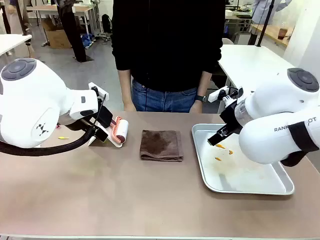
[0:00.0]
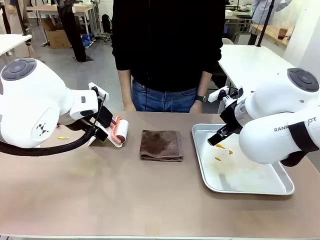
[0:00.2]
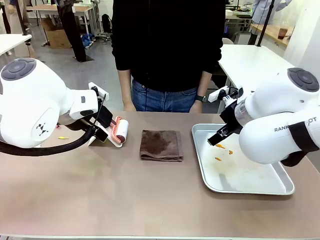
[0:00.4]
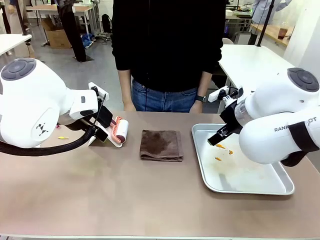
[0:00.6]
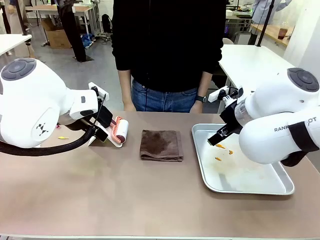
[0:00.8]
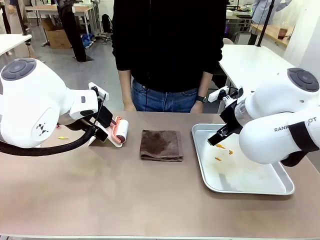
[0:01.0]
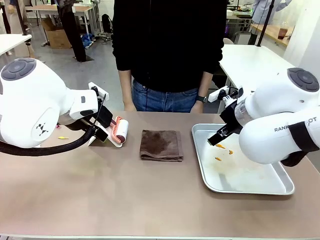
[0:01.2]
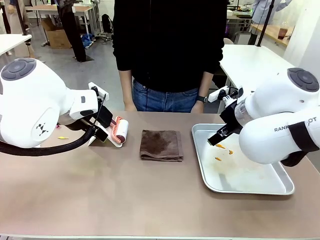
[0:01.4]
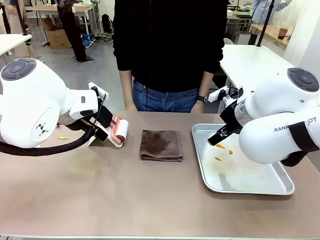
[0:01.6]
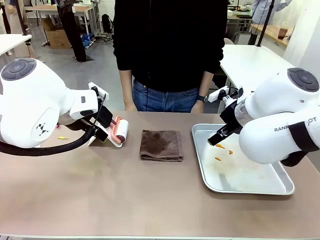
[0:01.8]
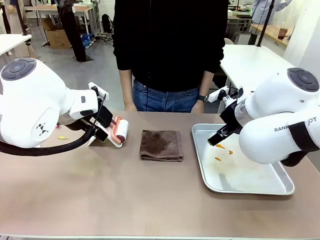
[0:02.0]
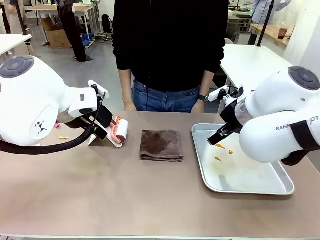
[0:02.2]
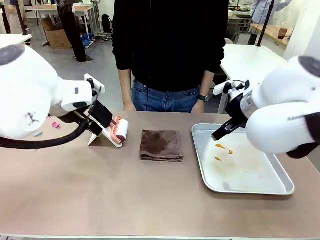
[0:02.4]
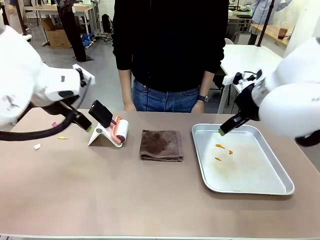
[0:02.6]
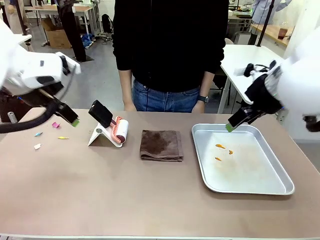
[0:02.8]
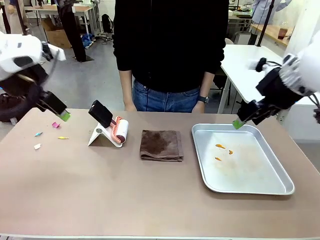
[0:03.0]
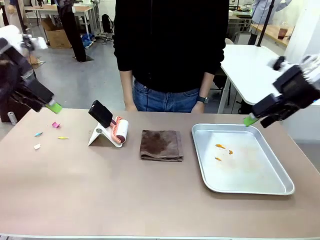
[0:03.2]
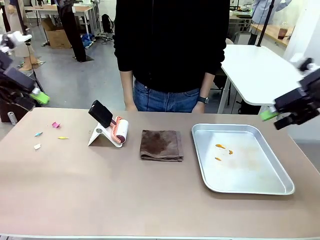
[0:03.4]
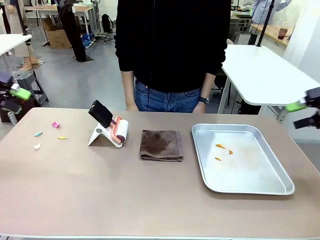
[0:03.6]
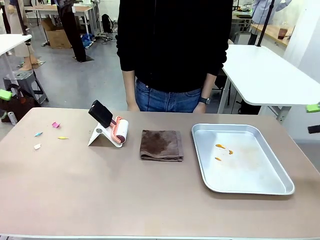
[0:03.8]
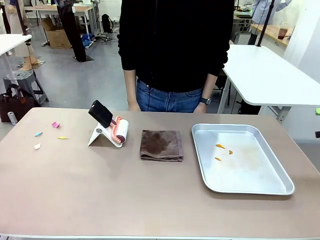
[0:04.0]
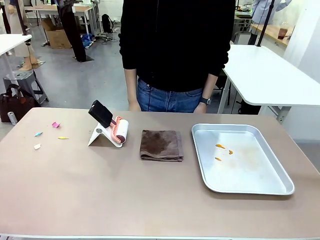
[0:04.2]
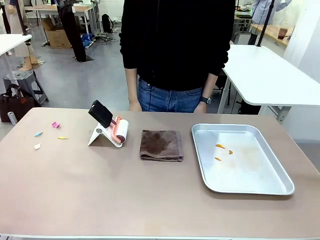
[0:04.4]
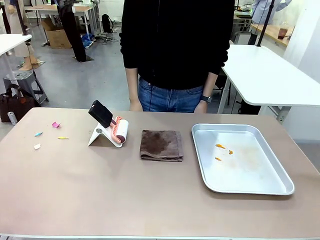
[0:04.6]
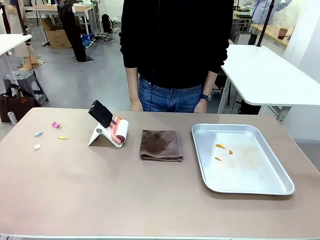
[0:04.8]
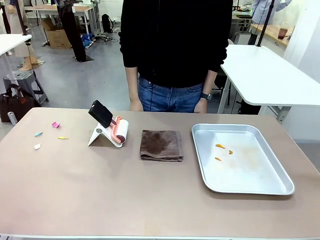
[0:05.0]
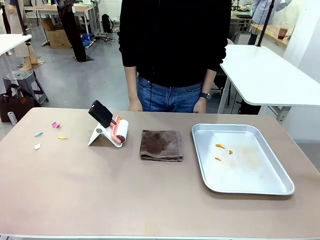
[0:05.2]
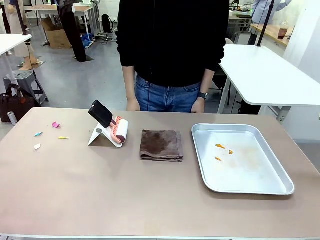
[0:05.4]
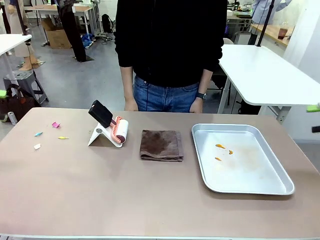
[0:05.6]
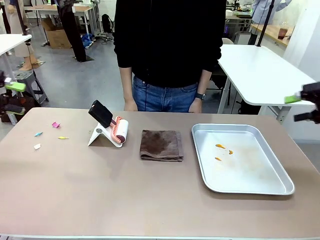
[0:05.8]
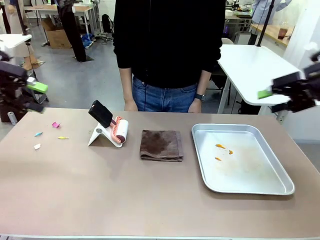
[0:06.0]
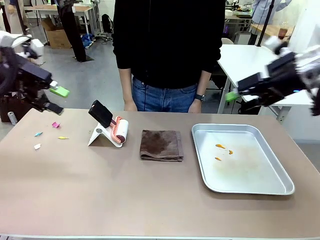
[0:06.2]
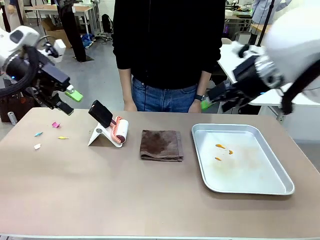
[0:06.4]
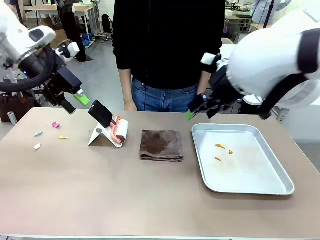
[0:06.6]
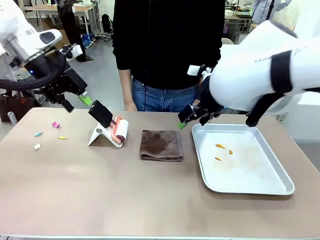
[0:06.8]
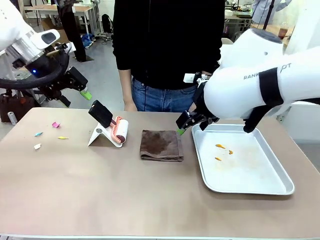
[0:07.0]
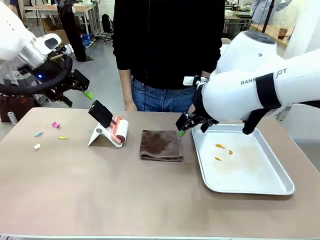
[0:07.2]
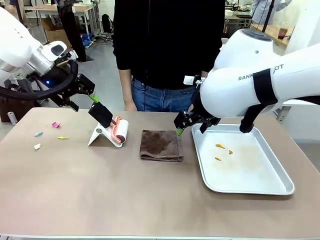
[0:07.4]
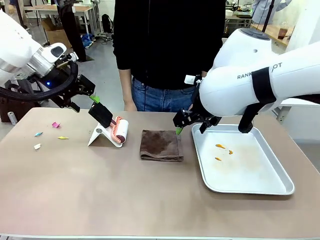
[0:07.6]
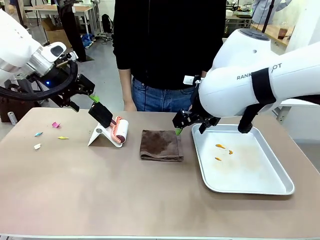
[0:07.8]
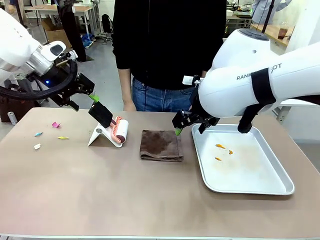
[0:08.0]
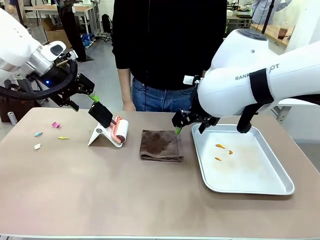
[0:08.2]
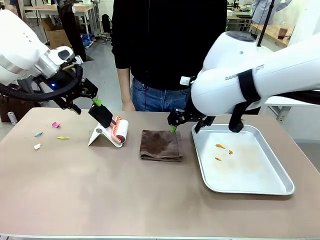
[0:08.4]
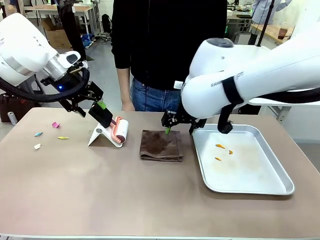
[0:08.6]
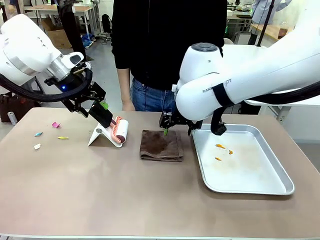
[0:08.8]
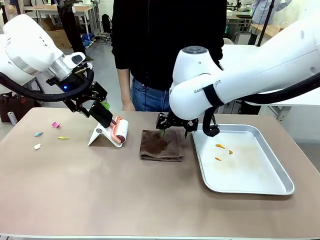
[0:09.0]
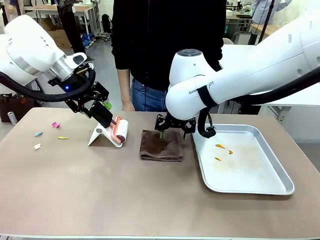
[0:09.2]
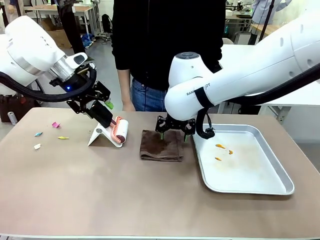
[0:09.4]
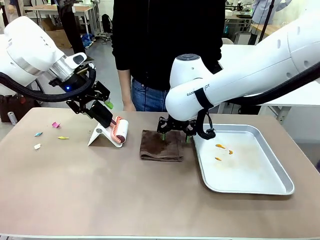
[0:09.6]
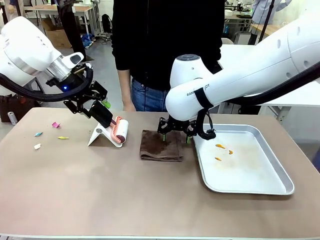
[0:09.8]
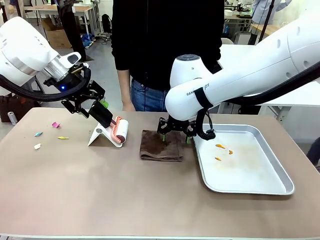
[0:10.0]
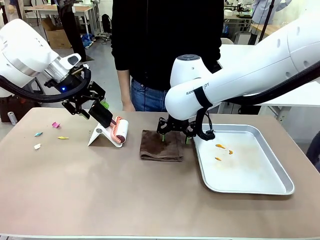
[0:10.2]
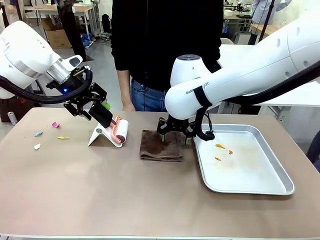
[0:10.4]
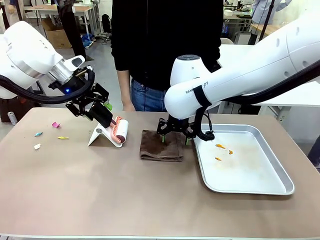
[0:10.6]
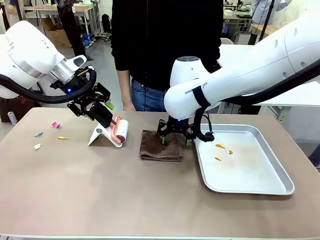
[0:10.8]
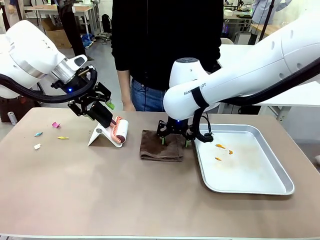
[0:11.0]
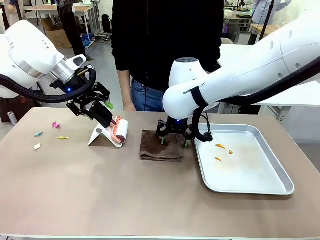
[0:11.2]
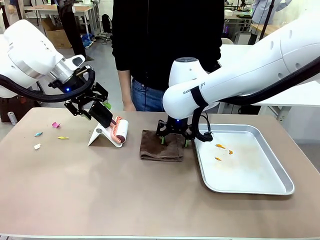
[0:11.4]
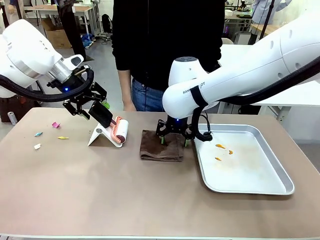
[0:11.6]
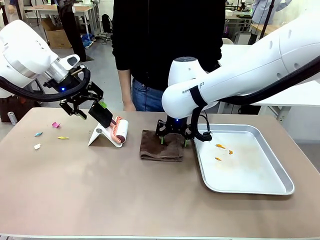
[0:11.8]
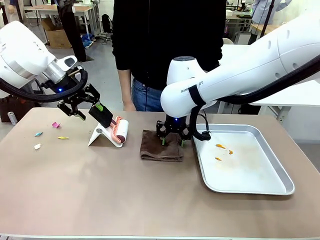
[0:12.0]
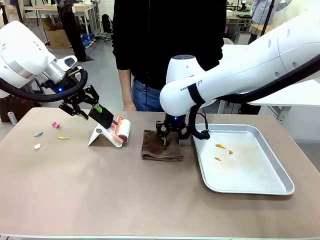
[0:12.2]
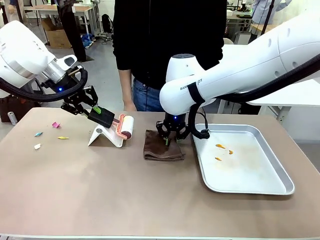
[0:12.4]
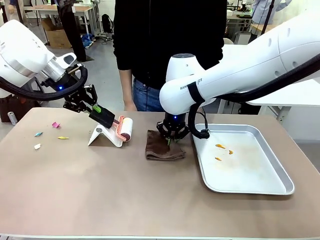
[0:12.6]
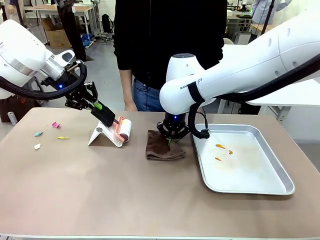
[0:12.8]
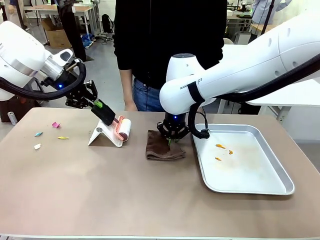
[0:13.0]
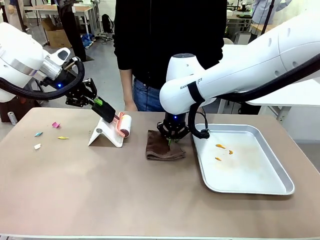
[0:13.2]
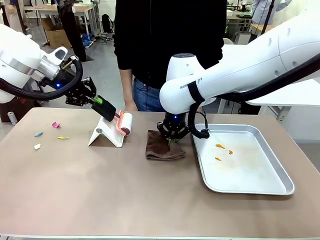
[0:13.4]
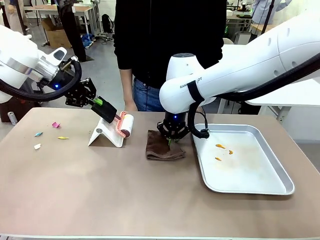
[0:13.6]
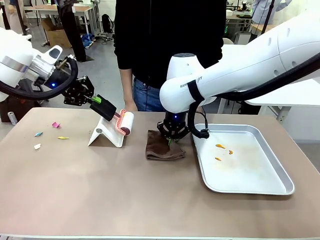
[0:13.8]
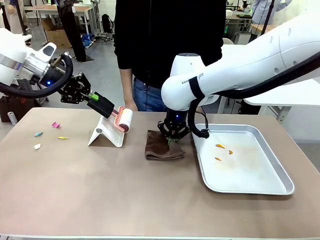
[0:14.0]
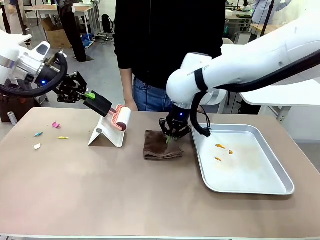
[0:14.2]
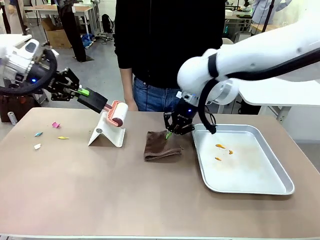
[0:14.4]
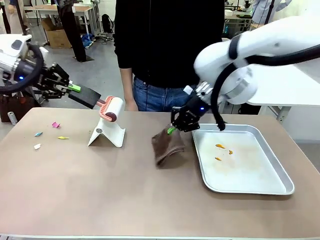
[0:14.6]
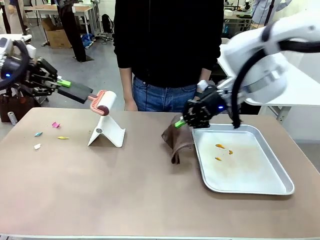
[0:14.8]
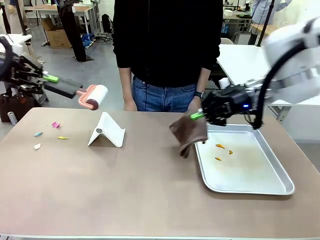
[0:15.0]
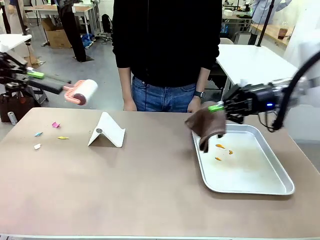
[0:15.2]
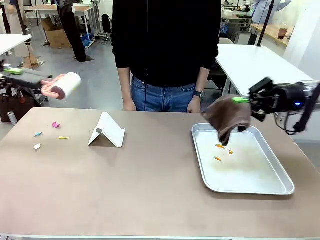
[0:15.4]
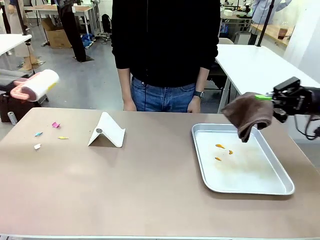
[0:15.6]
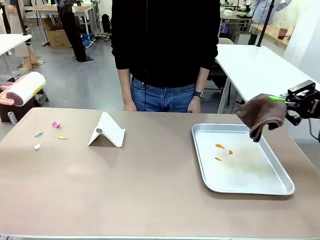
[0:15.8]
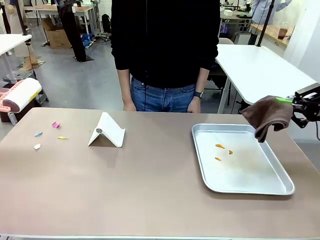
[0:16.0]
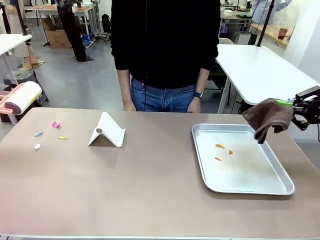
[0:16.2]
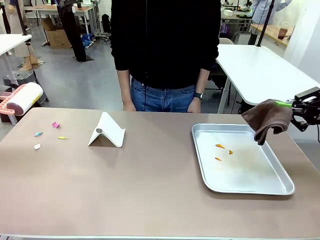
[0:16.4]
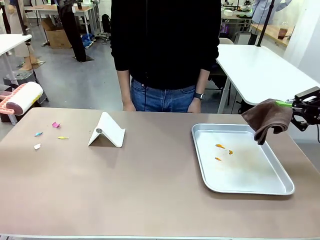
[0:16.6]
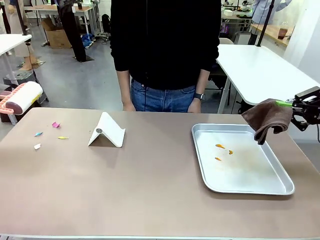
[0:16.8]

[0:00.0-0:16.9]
Task: Clean the surface of the table.
Robot: Hold the Lint Roller with your left hand and the towel with your right hand.

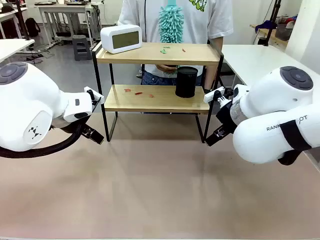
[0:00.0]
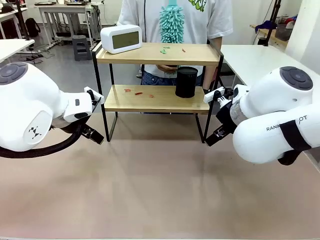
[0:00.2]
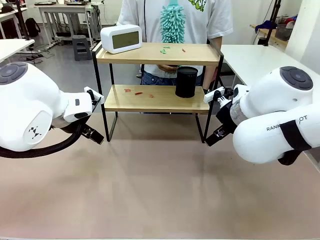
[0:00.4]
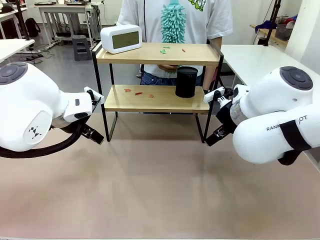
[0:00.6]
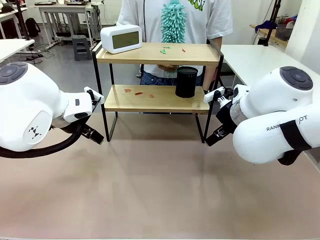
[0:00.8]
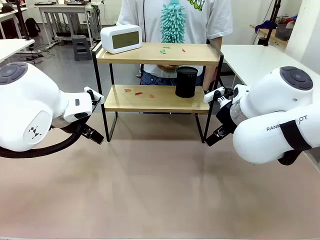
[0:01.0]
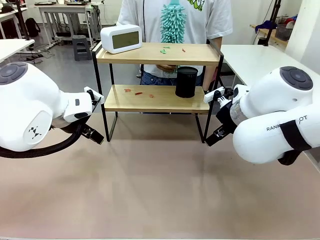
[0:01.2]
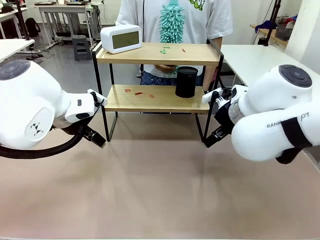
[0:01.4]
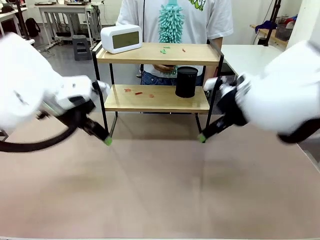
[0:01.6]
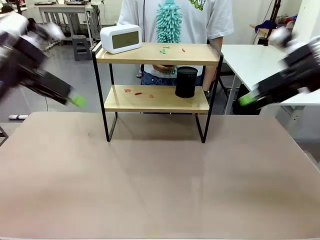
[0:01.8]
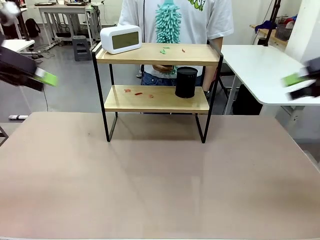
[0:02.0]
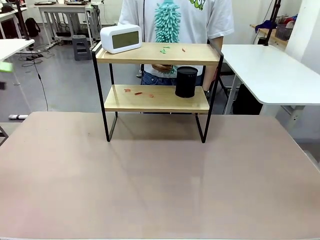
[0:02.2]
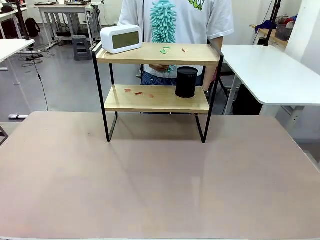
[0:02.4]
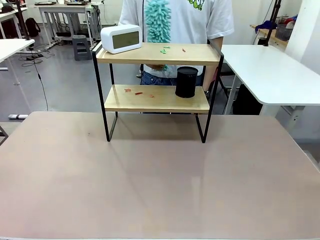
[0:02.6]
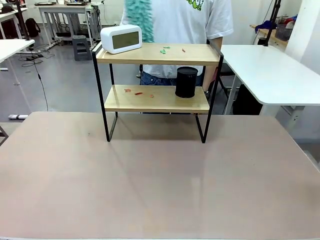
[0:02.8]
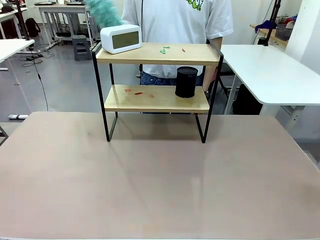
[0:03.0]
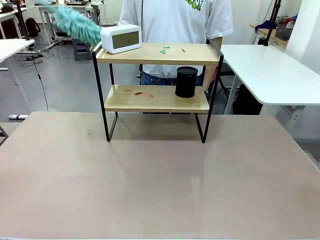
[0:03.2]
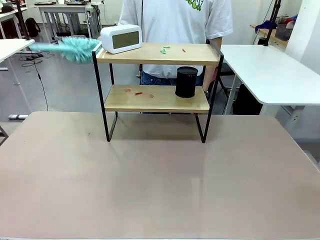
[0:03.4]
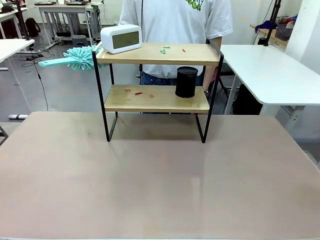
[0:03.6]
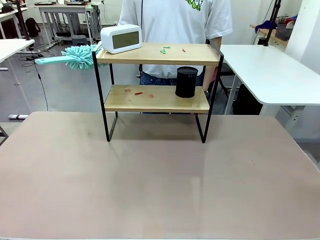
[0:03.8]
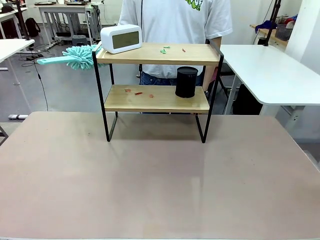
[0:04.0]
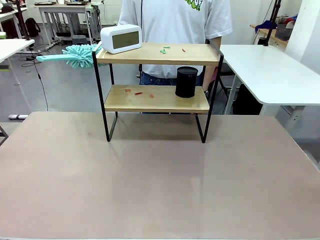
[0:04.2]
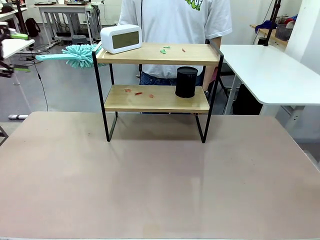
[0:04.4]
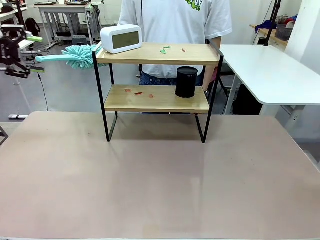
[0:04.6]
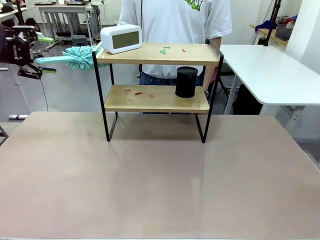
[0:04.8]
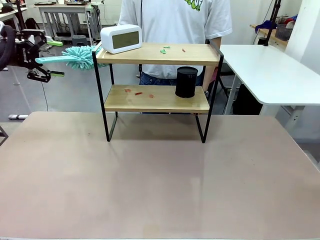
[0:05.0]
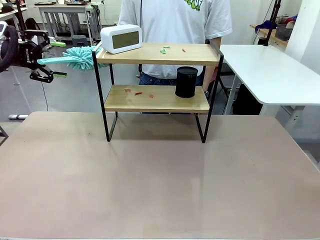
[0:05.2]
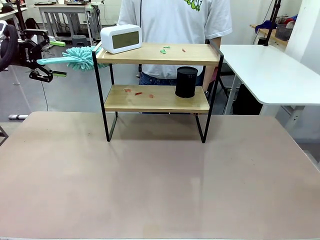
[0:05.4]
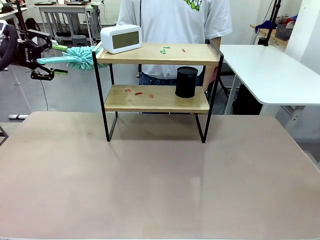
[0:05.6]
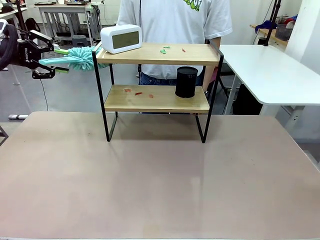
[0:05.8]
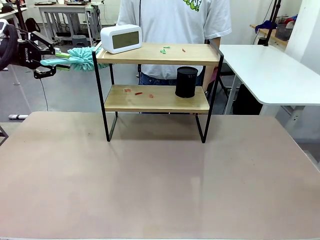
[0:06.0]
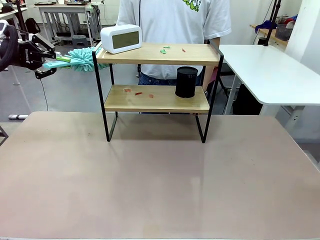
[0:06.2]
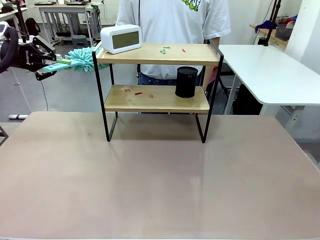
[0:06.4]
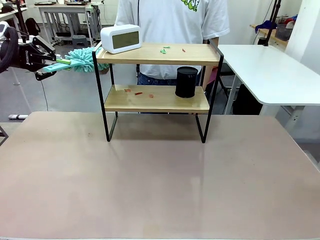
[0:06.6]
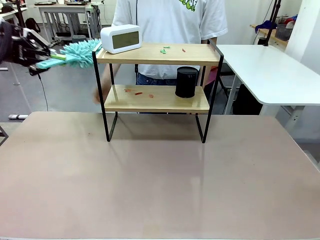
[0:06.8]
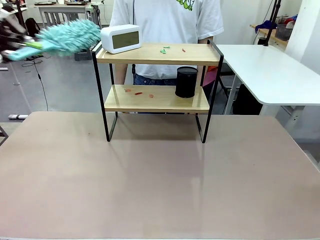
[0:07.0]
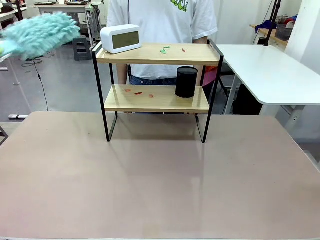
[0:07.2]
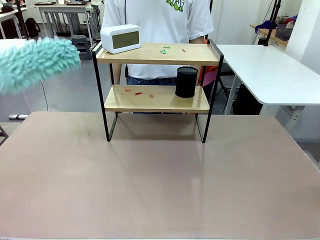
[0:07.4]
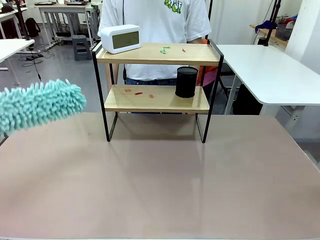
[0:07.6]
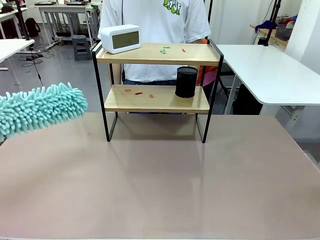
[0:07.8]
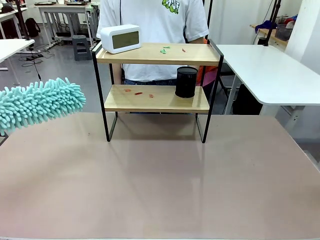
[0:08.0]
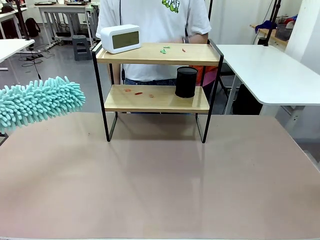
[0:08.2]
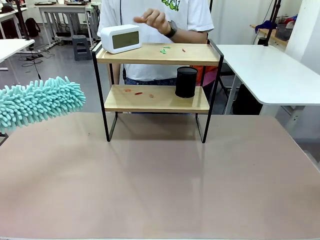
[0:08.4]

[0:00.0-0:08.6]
Task: Clean the shelf.
Robot: Pick up the Duster from the human.
Person: Hand the Duster to the robot.
